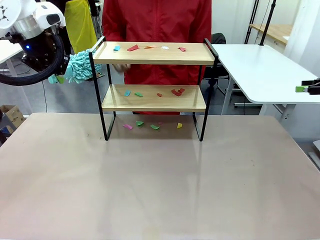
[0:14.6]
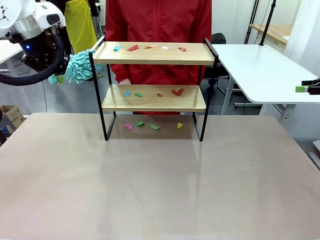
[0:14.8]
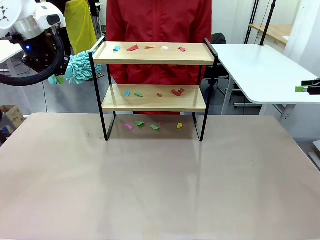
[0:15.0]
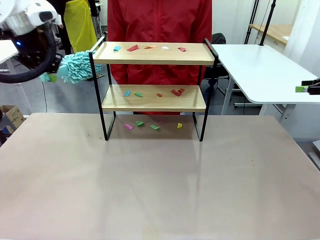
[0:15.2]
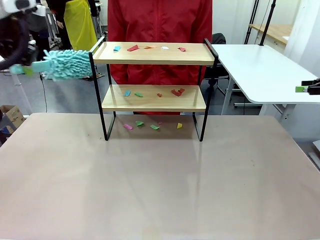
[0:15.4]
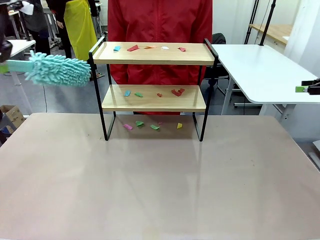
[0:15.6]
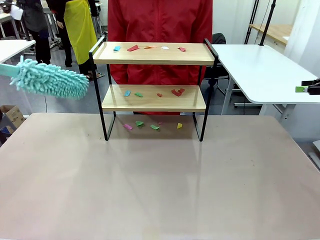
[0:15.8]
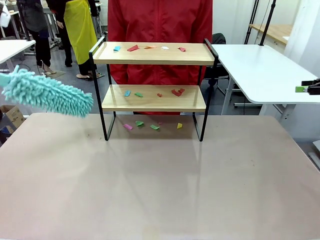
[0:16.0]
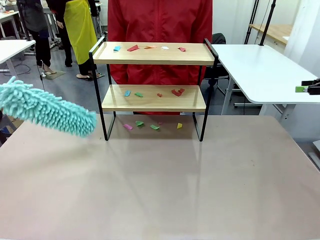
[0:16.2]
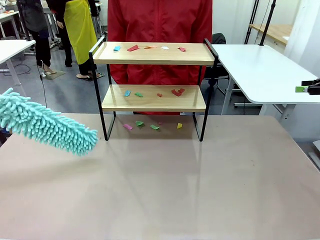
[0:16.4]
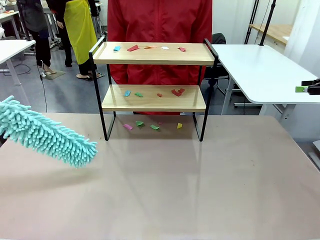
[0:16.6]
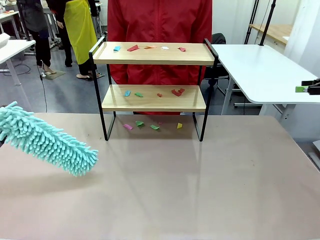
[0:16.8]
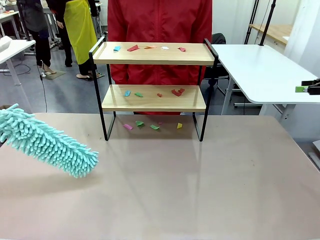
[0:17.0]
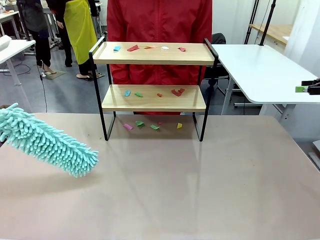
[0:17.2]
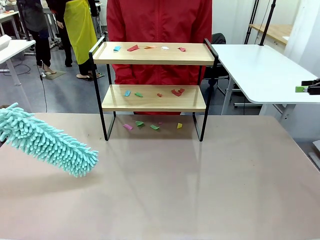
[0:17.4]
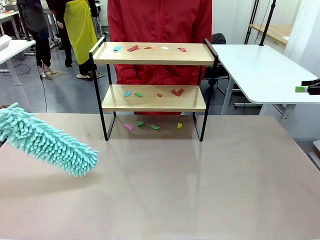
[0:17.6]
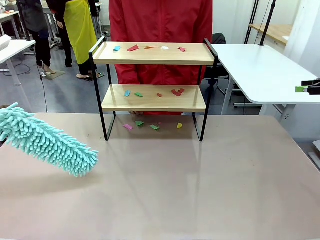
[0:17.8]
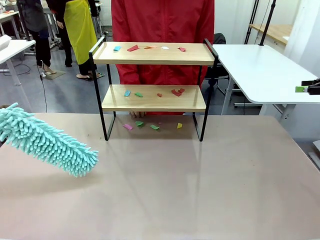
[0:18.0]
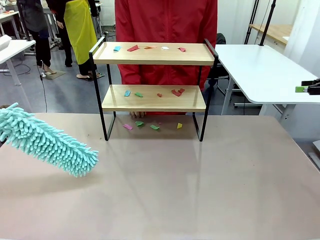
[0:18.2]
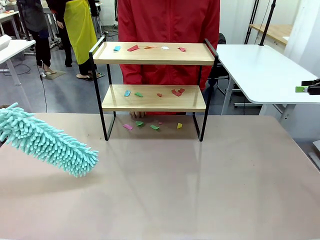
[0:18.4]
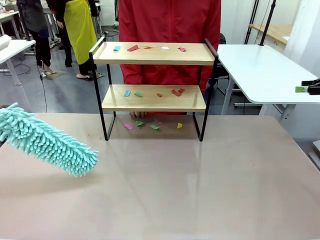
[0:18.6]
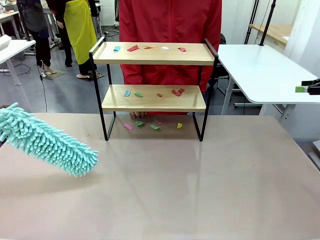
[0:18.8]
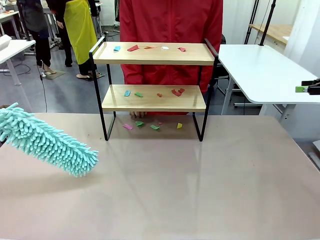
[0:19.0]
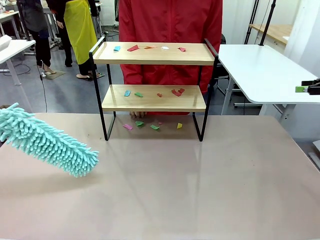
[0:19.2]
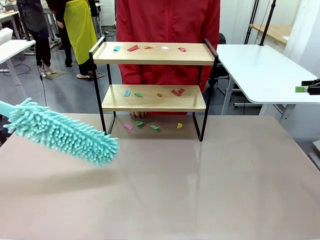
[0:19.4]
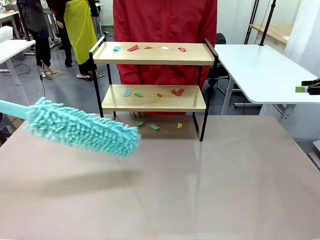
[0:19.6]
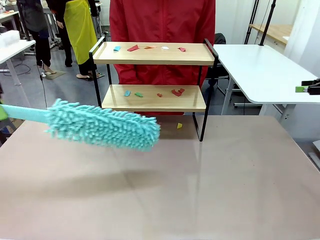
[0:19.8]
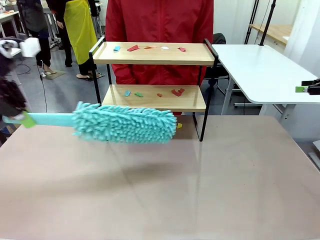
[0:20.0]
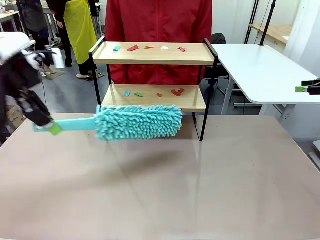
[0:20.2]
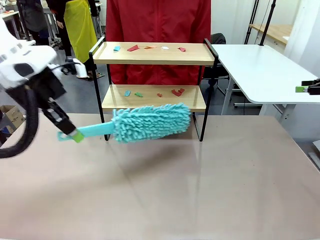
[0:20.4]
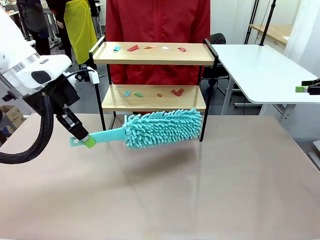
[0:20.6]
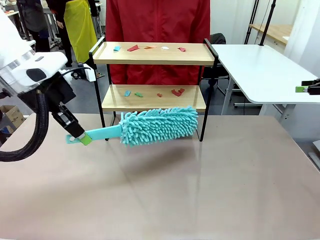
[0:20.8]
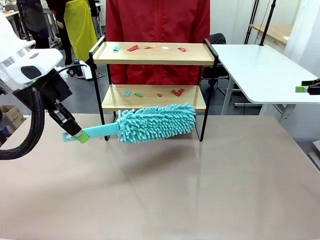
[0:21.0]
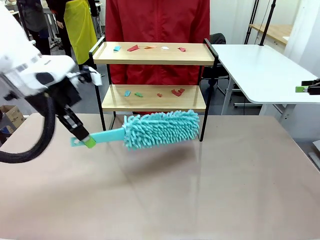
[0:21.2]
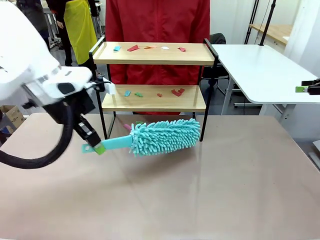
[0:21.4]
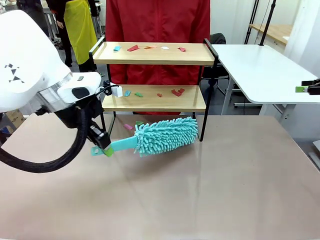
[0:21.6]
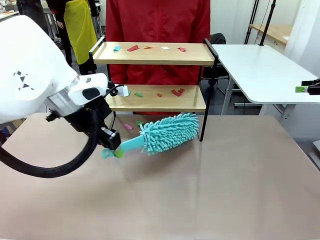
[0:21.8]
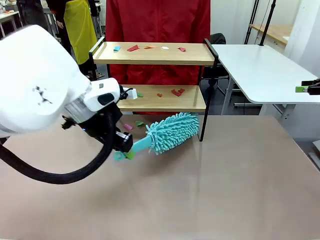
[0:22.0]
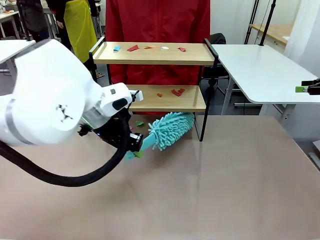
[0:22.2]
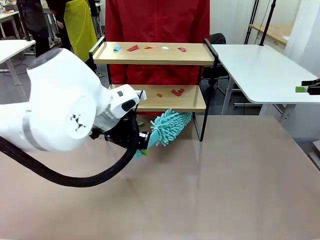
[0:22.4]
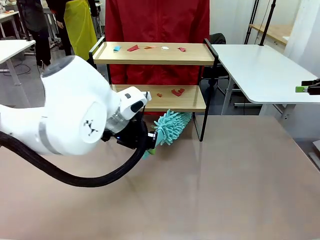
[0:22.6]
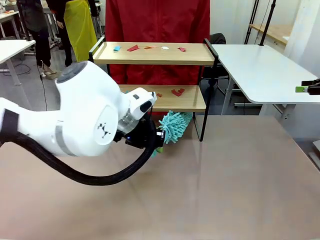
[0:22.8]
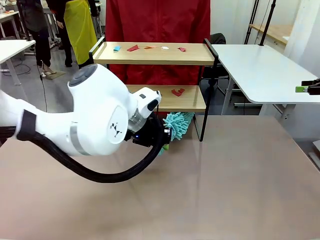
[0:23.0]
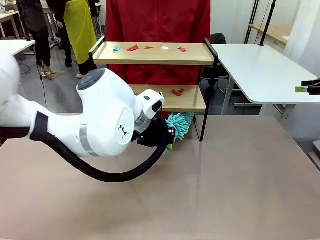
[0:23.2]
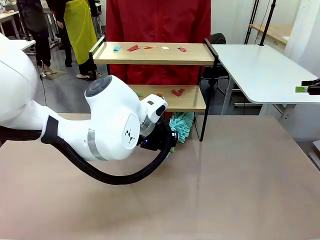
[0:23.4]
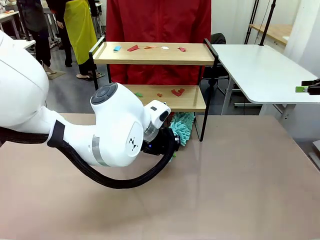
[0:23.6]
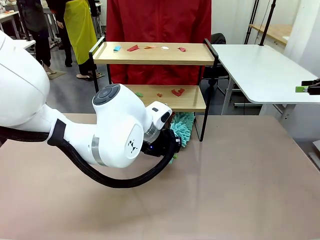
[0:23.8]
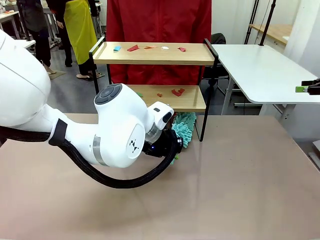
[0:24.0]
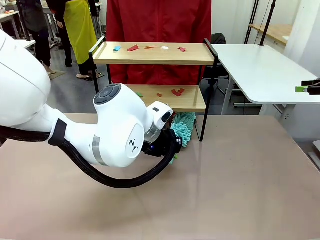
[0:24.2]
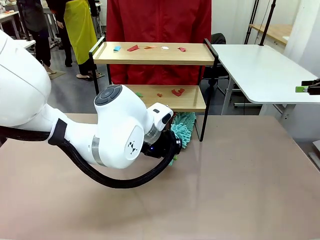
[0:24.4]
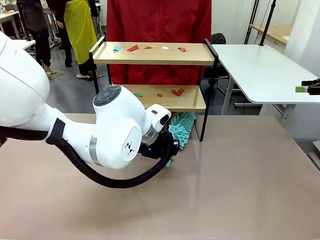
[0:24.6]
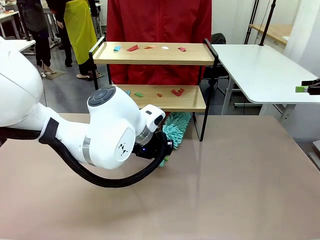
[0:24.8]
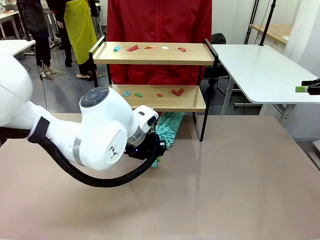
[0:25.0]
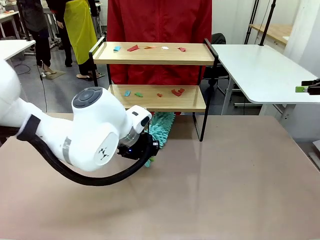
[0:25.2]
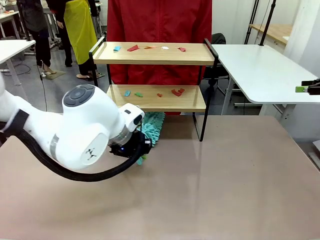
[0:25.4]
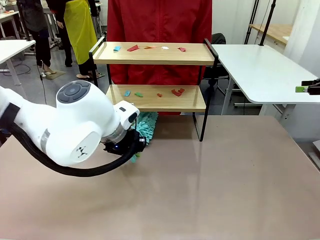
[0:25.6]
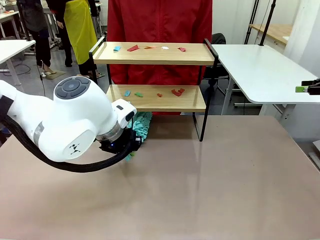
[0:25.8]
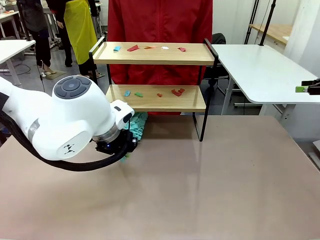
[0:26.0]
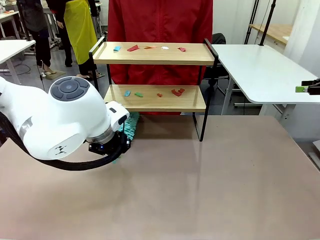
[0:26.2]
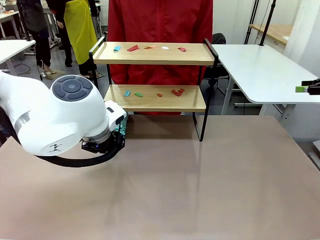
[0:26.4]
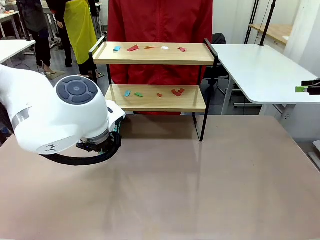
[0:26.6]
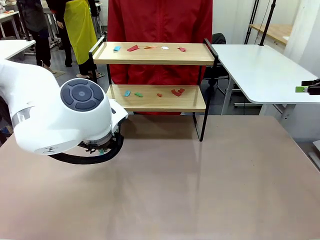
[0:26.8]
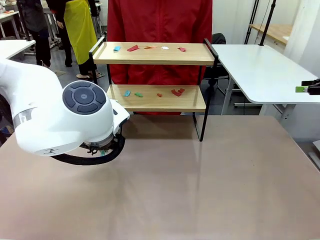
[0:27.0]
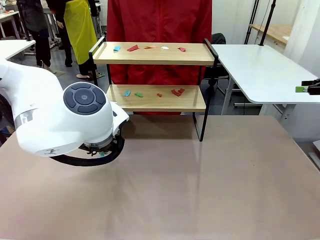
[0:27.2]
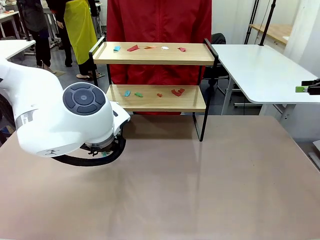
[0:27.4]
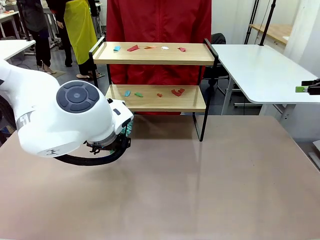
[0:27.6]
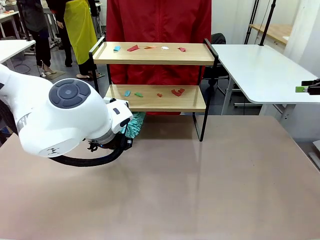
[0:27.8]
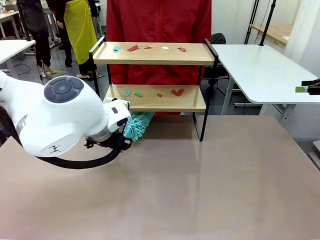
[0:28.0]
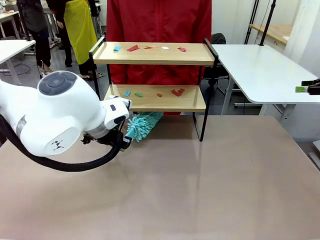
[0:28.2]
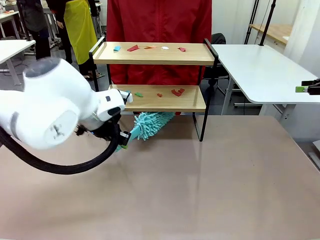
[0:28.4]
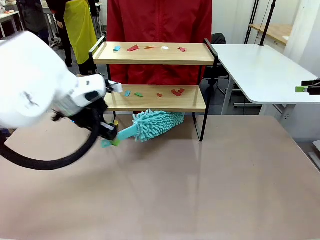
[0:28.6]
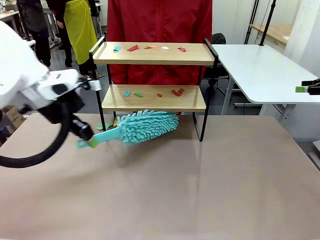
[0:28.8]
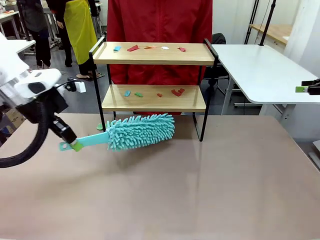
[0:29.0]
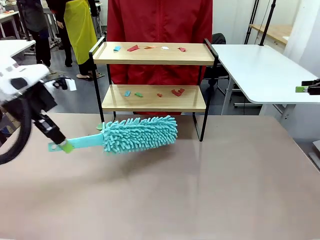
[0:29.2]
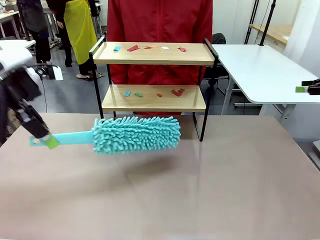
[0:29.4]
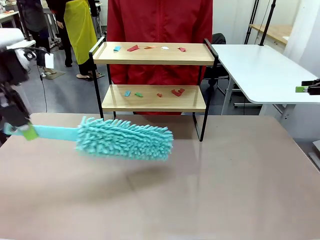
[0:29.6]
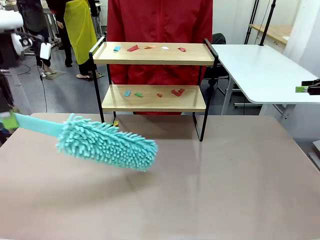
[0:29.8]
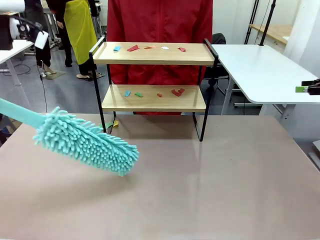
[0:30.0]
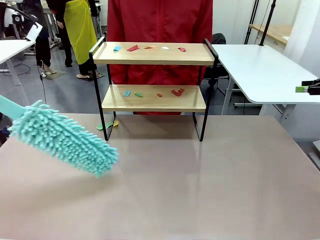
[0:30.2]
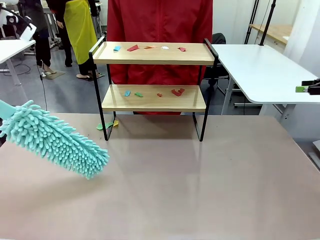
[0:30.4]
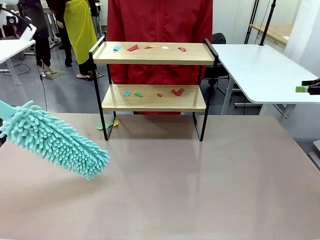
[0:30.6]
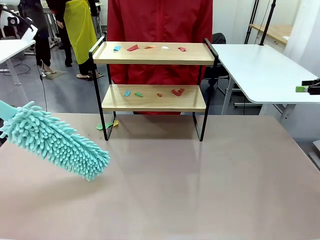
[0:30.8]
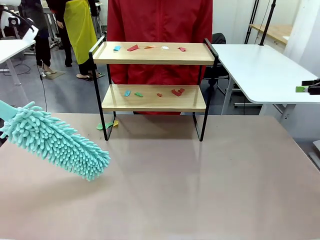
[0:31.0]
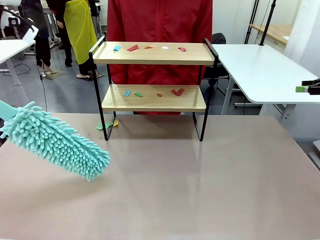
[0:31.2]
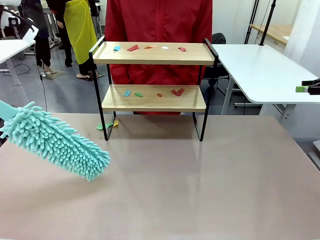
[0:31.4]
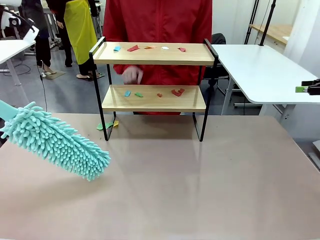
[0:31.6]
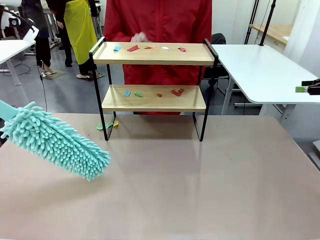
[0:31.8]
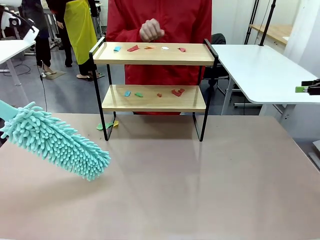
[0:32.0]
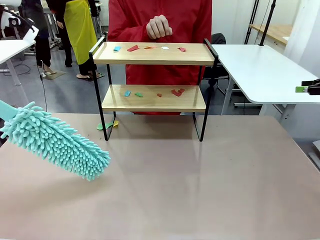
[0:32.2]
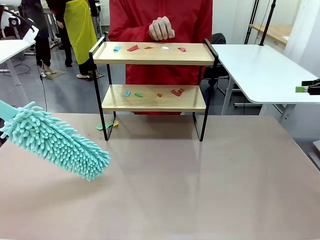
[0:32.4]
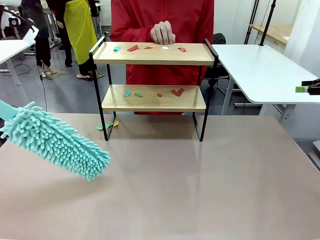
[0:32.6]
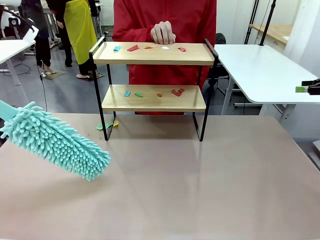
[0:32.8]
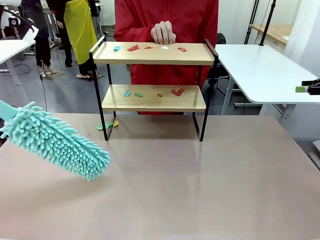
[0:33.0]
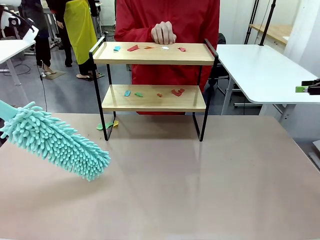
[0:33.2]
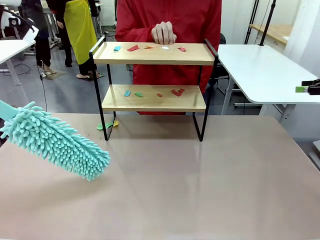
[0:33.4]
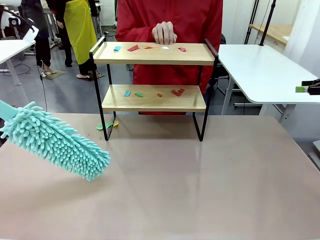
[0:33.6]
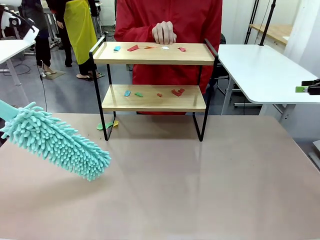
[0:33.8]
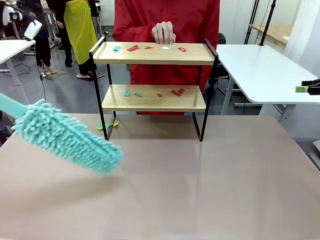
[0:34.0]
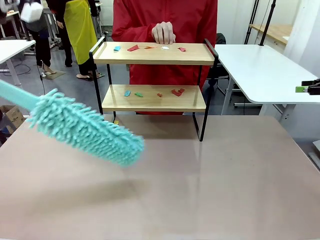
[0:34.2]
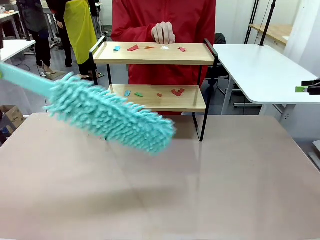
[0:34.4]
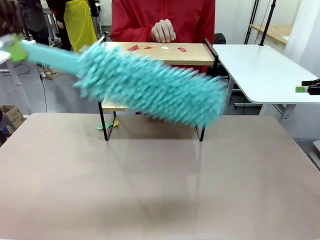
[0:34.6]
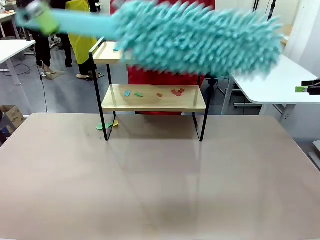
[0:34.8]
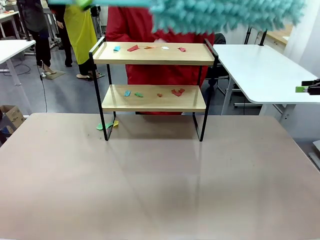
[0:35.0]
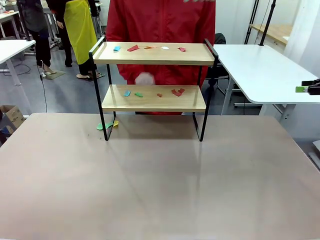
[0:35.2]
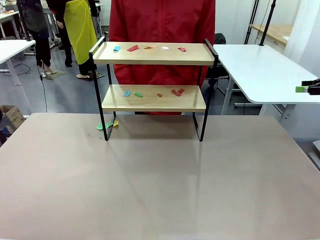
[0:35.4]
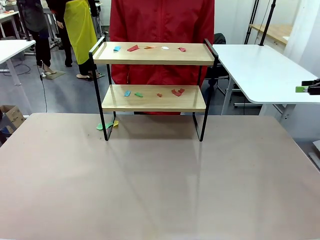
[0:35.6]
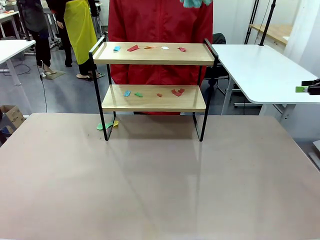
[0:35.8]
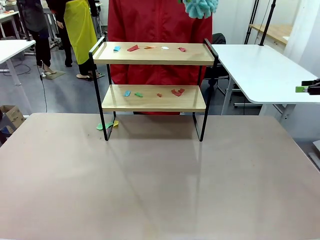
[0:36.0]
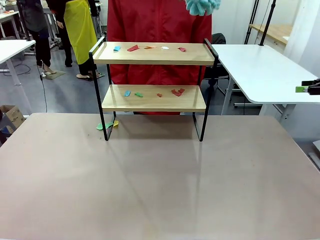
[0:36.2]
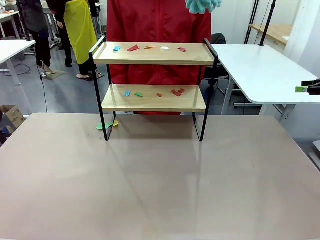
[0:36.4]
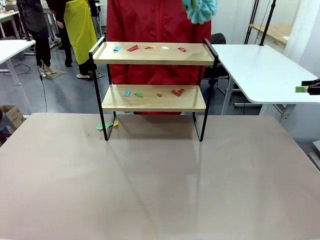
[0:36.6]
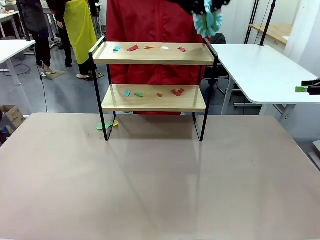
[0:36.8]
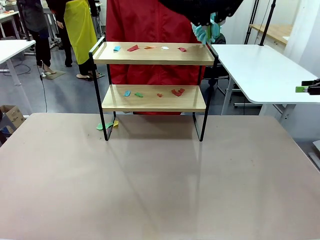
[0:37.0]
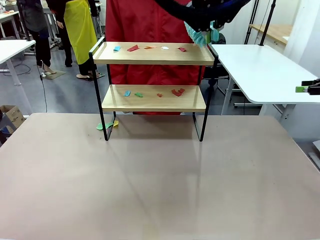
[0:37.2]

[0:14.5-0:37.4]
Task: Clean the shelf.
Robot: Clean the specific section of the Shelf indicated by the human with the Duster.
Person: Point a random section of the Shelf.
